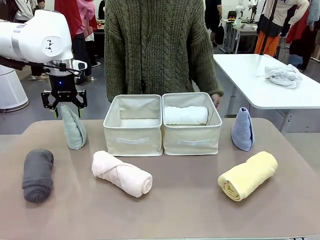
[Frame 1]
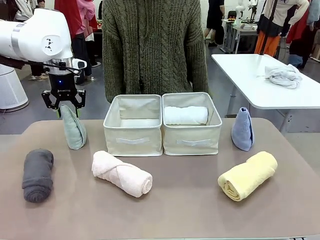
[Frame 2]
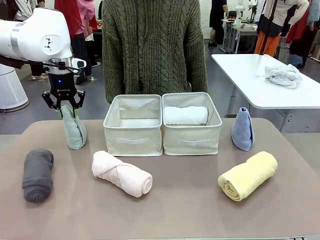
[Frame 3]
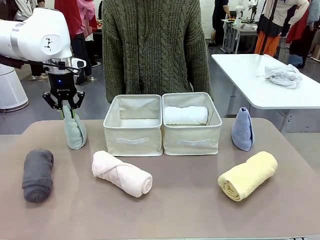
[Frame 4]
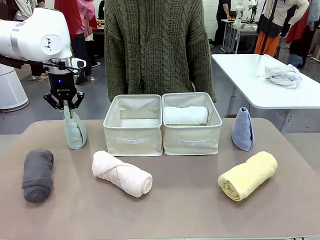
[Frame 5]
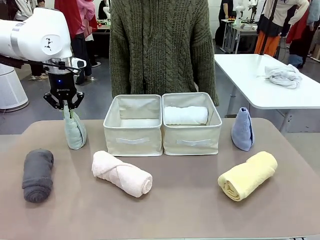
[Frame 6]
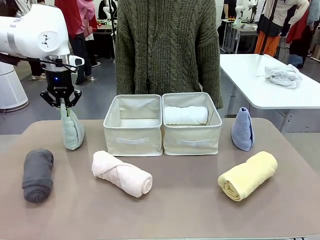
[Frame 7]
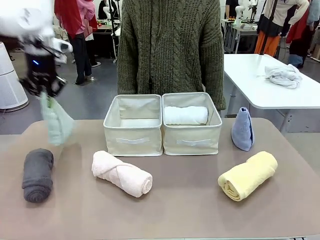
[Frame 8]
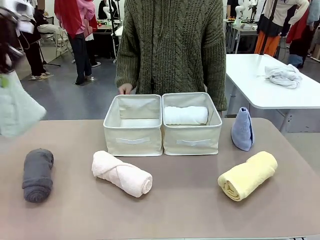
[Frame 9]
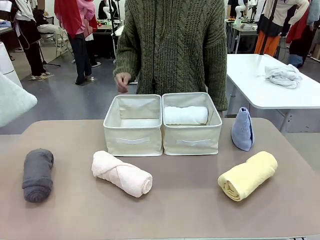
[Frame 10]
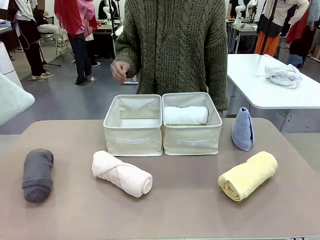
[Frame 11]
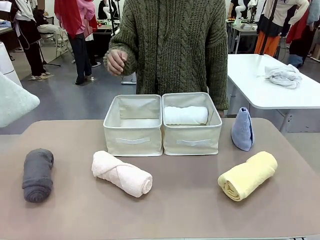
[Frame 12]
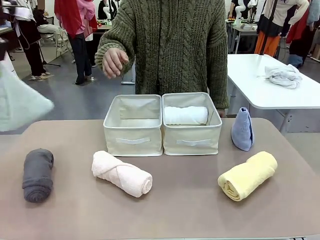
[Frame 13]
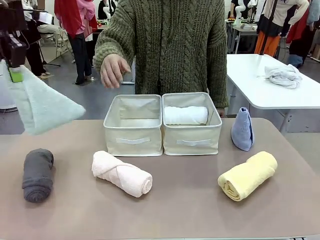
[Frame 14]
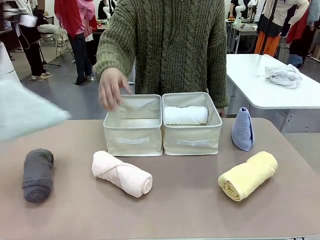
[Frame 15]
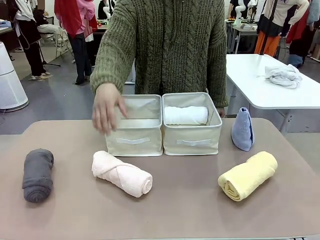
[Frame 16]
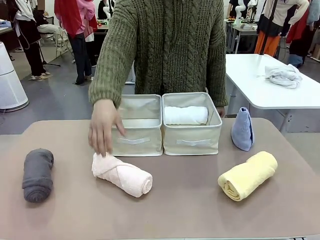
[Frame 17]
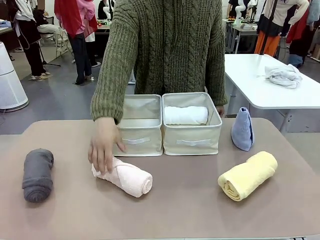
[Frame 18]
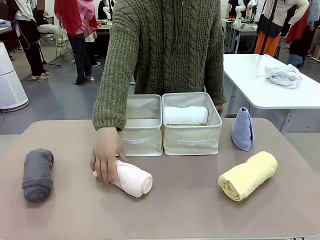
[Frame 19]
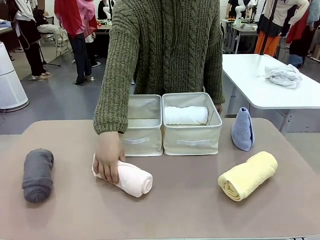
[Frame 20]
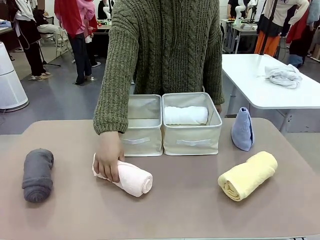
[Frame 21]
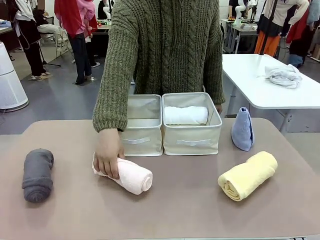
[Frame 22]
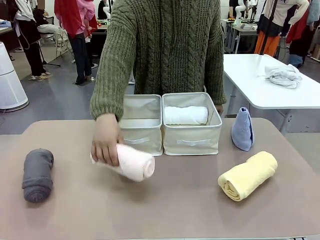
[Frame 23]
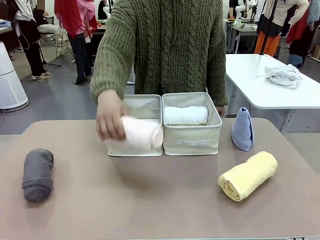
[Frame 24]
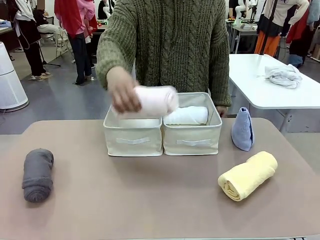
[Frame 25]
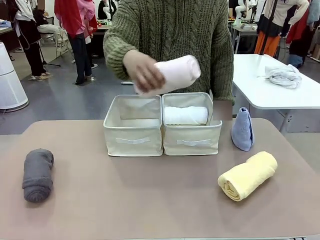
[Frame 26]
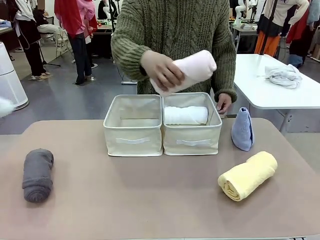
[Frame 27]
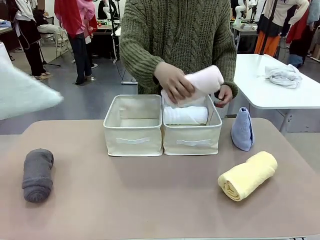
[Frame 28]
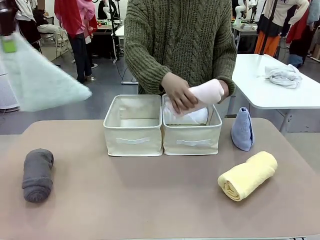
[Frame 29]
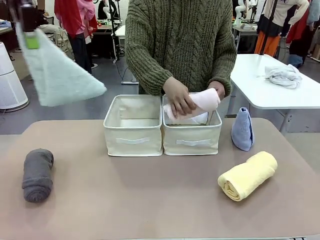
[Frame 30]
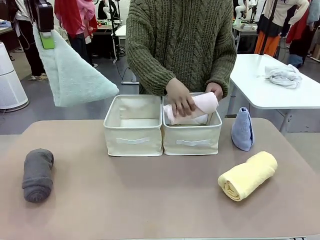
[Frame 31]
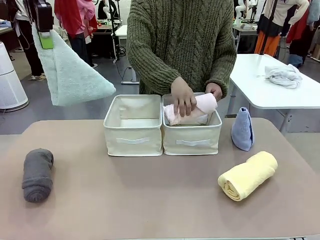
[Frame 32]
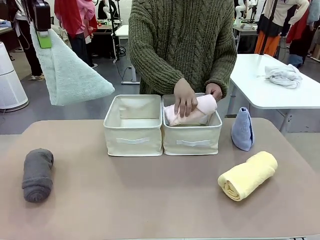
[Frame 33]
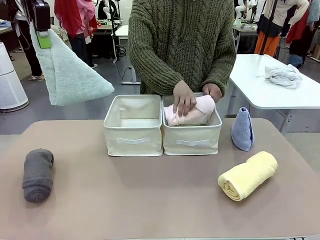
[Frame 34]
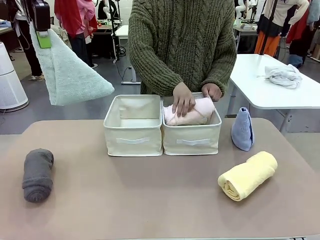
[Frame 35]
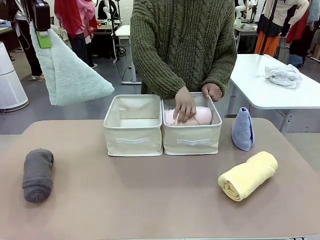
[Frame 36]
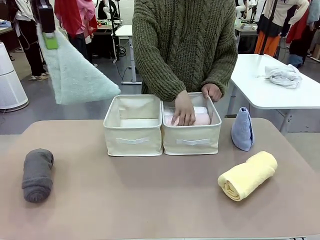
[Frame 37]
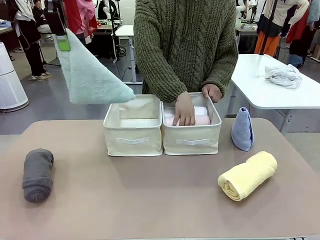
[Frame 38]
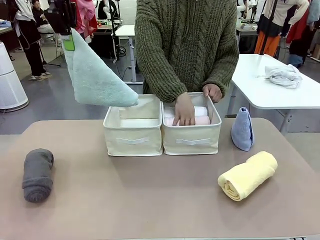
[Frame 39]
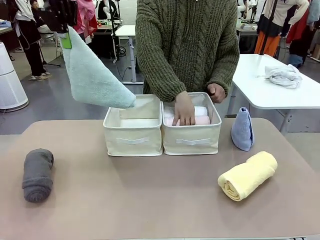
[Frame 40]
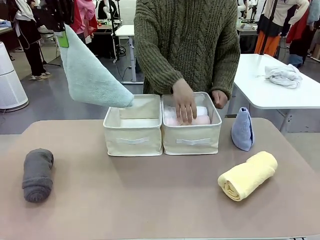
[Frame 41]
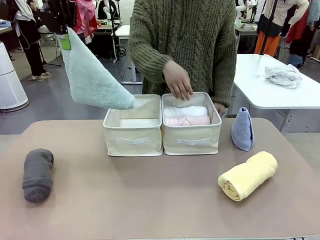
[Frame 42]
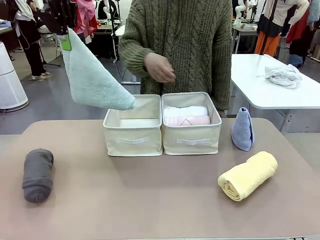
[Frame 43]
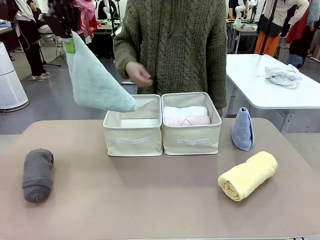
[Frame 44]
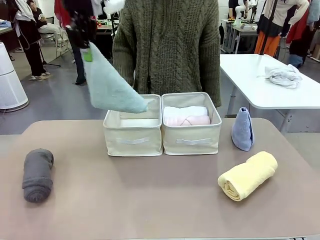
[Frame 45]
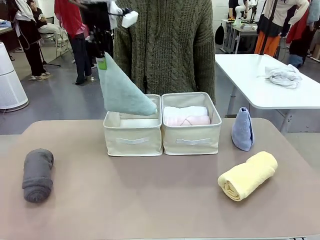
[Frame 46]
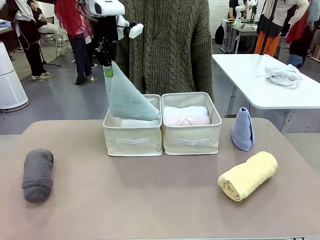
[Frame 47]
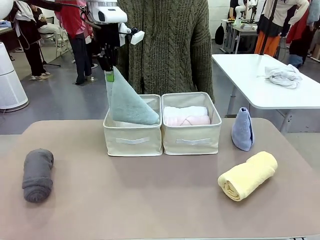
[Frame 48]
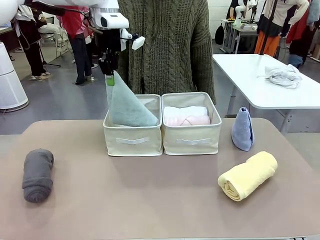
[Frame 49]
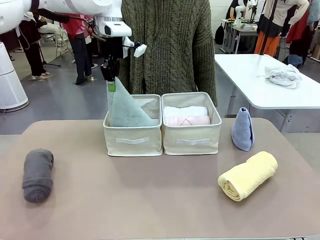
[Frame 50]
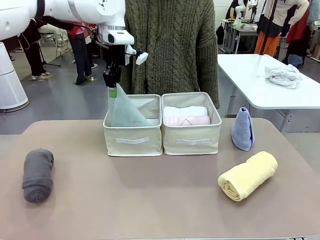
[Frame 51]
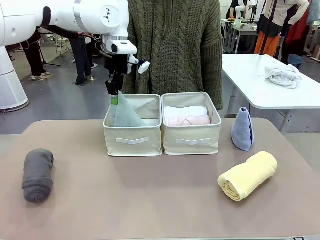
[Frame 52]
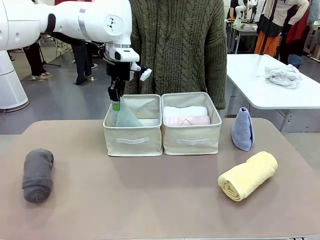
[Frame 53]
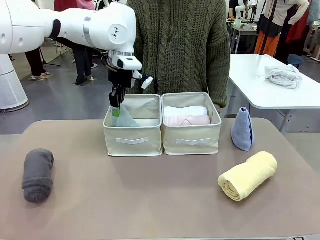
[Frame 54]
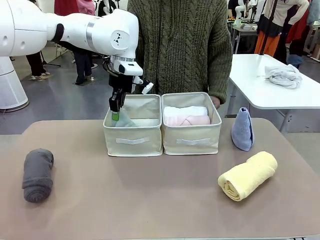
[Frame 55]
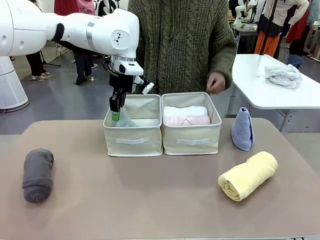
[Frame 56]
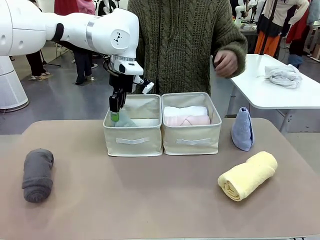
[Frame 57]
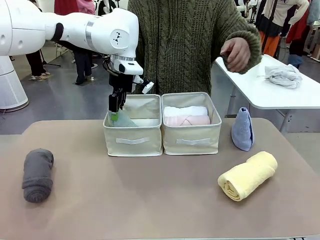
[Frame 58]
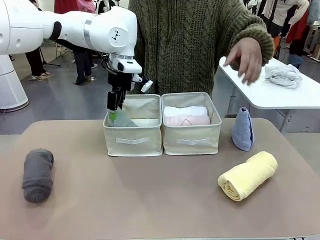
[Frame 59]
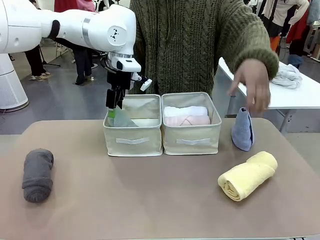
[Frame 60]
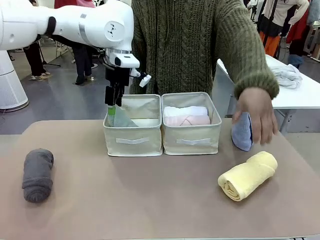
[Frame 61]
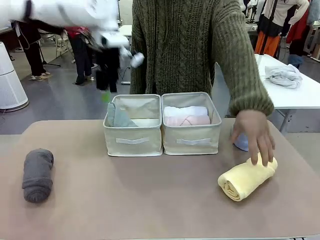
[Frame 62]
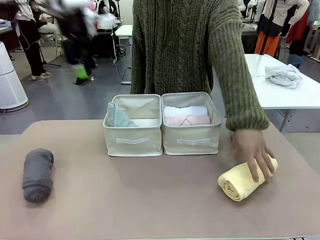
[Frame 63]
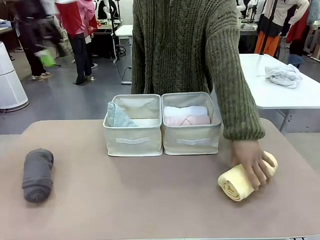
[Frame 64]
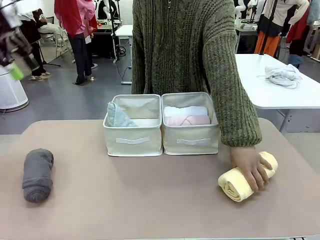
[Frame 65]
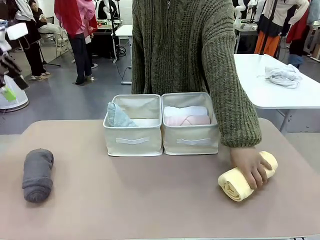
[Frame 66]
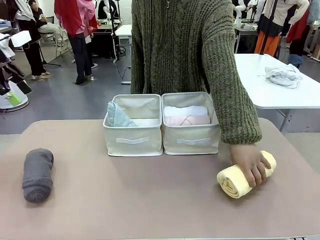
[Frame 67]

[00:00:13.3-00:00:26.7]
Task: Sort the towels based on their folding style.
Robot: Pick up one triangle-folded towel and place it in the left Fabric basket.
